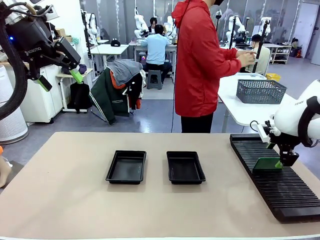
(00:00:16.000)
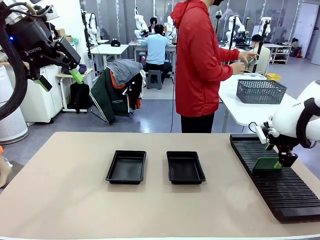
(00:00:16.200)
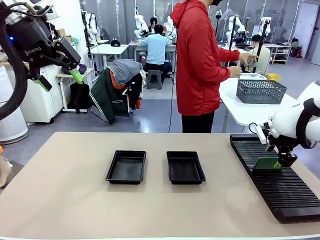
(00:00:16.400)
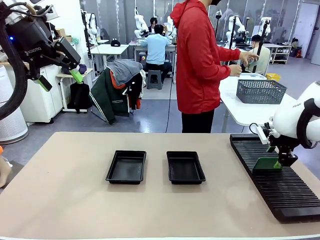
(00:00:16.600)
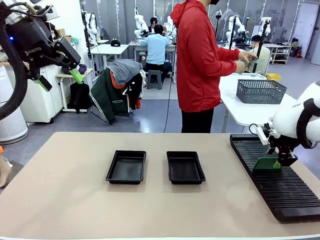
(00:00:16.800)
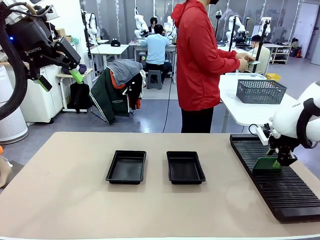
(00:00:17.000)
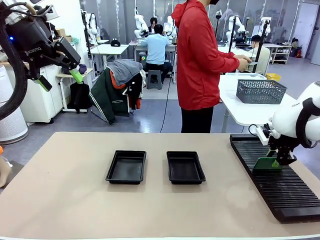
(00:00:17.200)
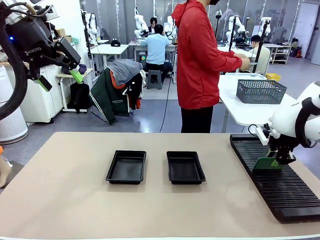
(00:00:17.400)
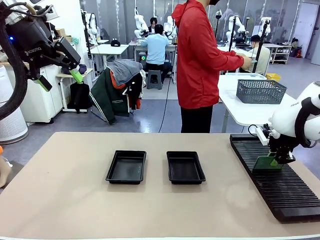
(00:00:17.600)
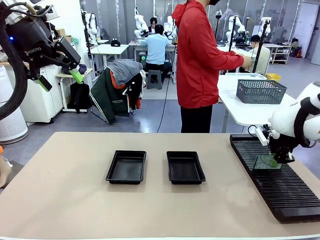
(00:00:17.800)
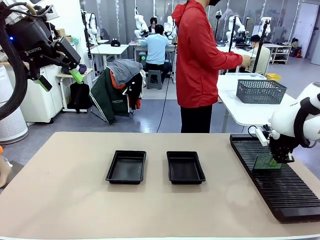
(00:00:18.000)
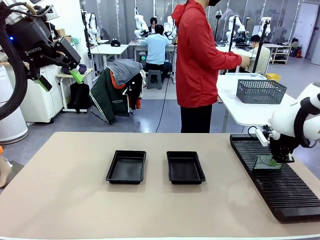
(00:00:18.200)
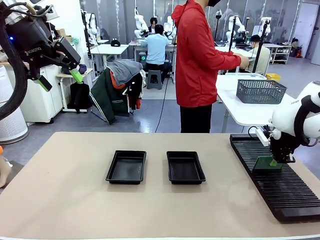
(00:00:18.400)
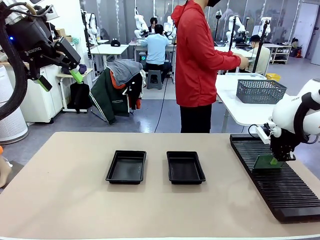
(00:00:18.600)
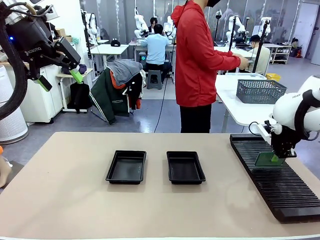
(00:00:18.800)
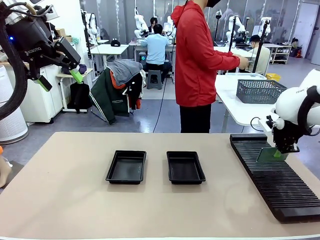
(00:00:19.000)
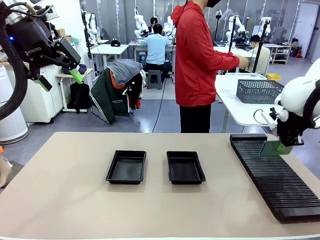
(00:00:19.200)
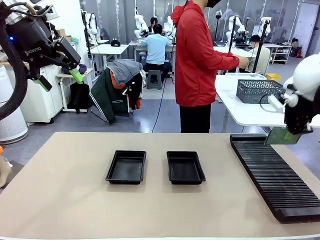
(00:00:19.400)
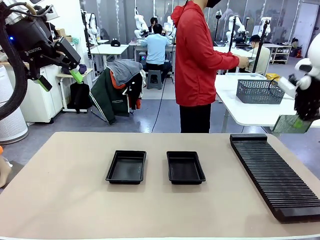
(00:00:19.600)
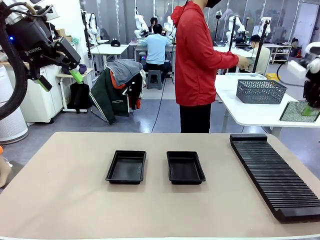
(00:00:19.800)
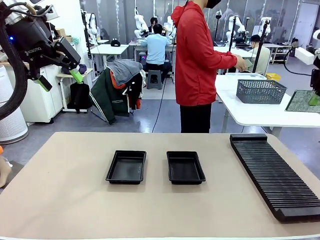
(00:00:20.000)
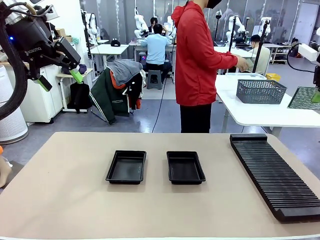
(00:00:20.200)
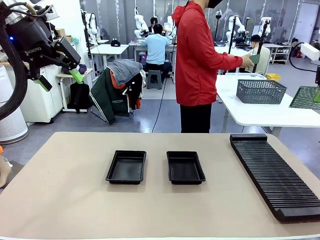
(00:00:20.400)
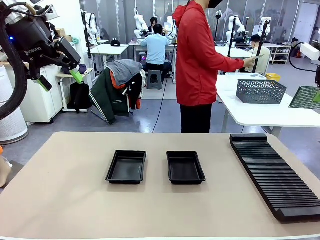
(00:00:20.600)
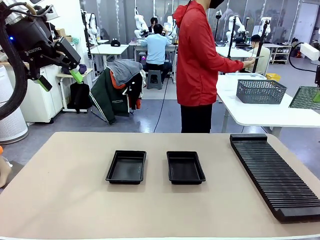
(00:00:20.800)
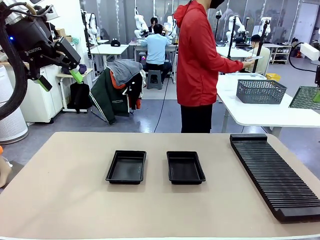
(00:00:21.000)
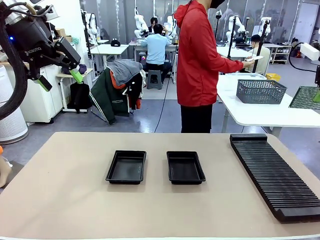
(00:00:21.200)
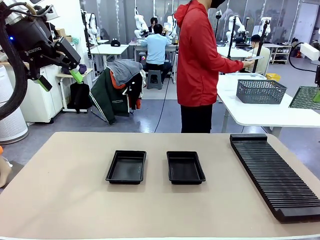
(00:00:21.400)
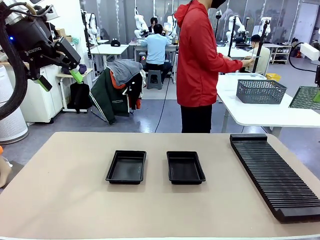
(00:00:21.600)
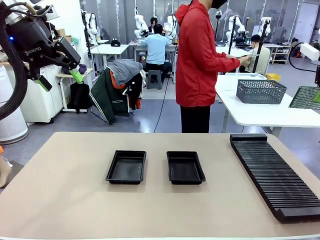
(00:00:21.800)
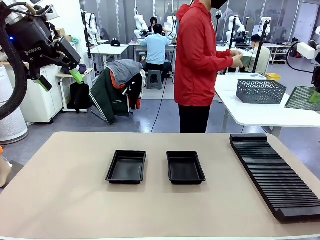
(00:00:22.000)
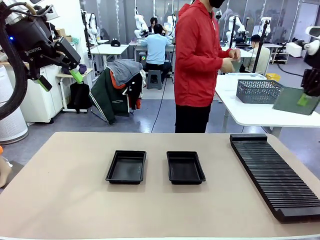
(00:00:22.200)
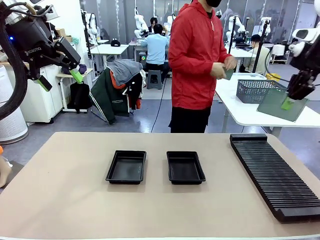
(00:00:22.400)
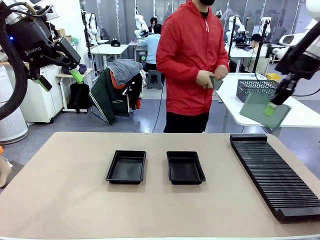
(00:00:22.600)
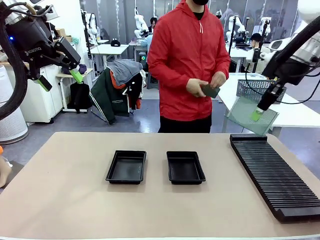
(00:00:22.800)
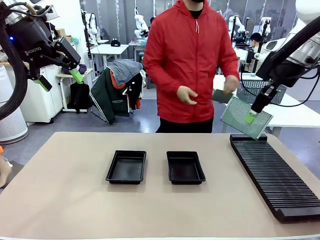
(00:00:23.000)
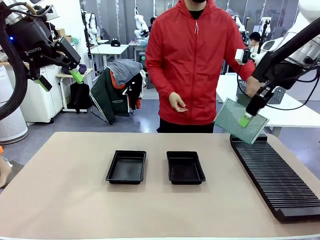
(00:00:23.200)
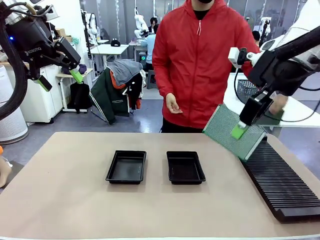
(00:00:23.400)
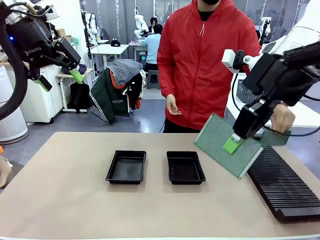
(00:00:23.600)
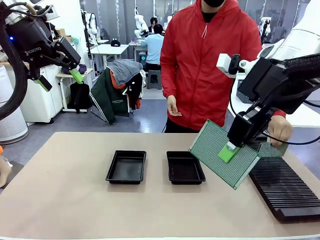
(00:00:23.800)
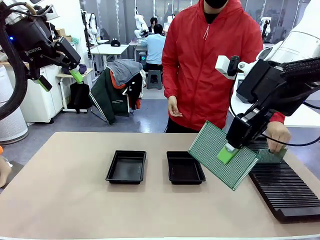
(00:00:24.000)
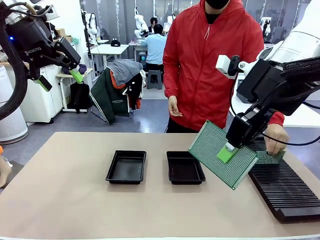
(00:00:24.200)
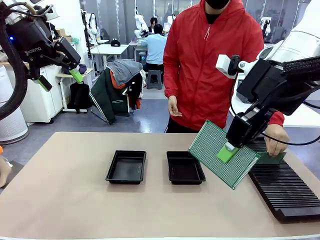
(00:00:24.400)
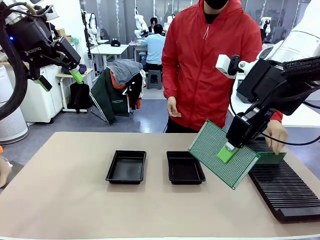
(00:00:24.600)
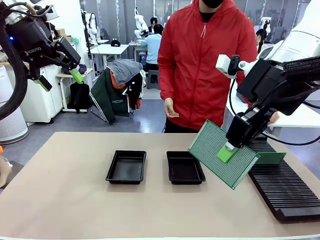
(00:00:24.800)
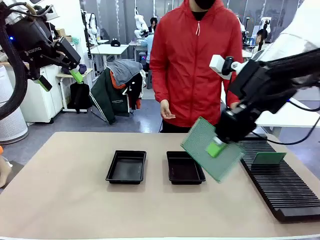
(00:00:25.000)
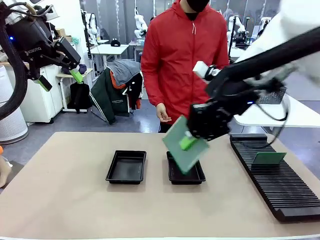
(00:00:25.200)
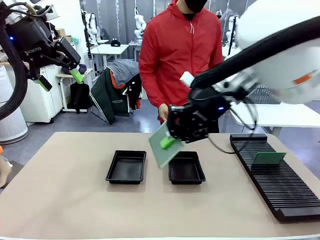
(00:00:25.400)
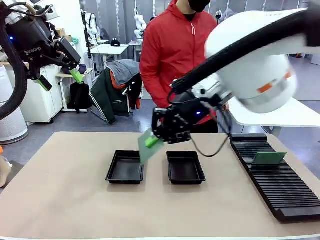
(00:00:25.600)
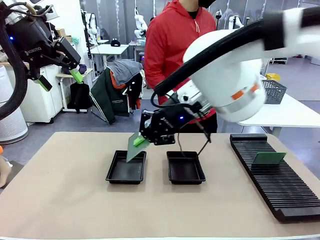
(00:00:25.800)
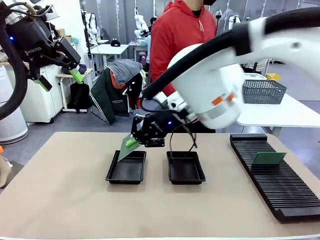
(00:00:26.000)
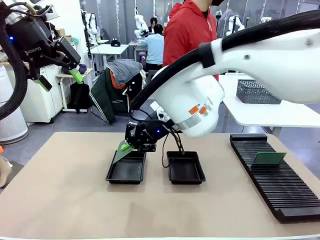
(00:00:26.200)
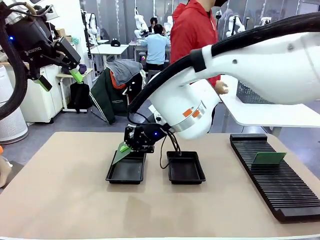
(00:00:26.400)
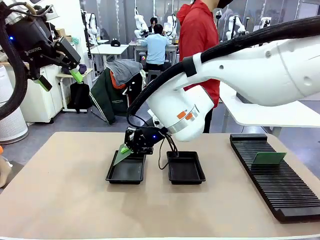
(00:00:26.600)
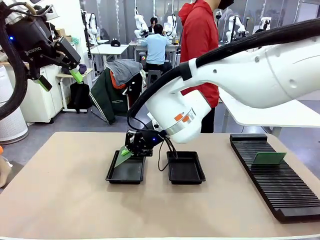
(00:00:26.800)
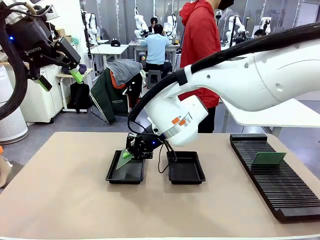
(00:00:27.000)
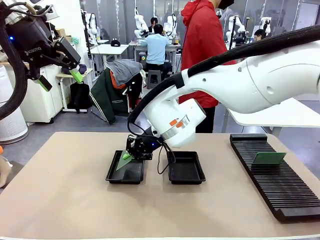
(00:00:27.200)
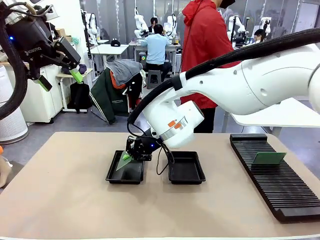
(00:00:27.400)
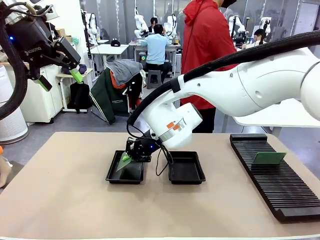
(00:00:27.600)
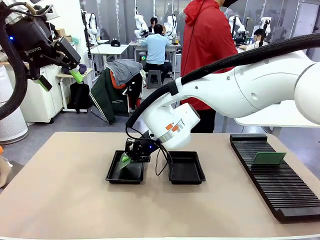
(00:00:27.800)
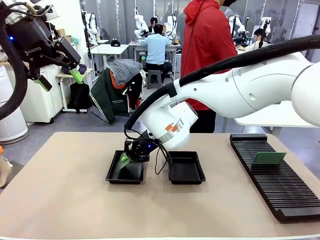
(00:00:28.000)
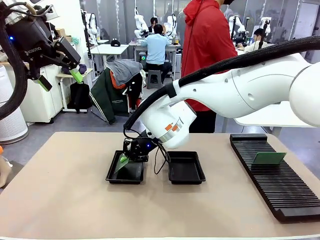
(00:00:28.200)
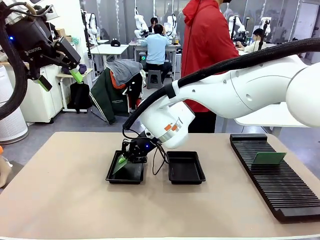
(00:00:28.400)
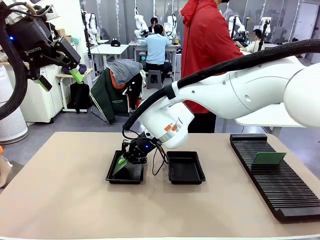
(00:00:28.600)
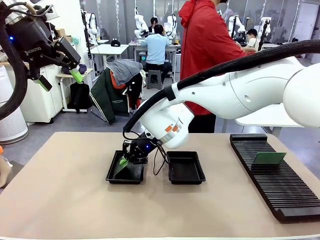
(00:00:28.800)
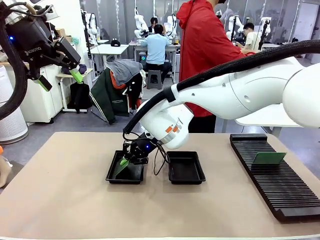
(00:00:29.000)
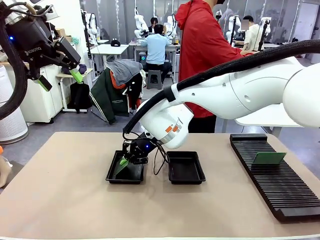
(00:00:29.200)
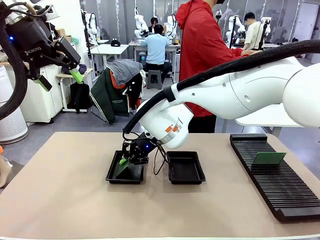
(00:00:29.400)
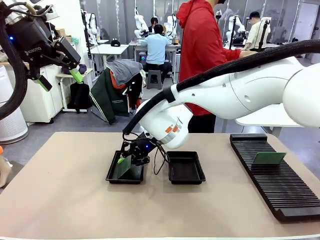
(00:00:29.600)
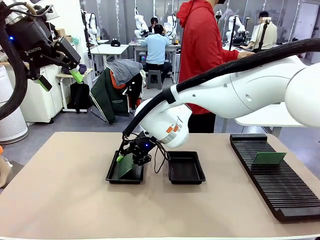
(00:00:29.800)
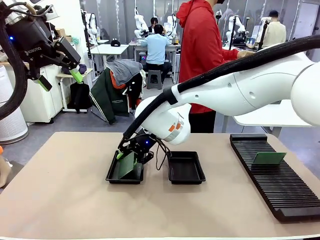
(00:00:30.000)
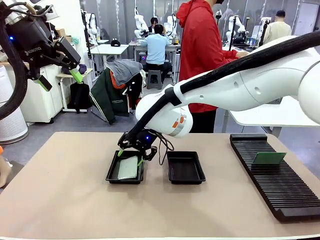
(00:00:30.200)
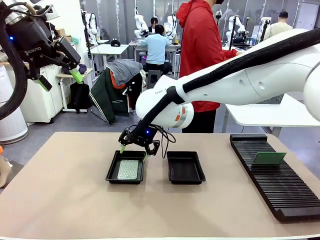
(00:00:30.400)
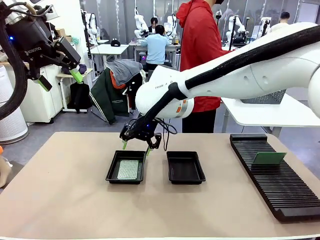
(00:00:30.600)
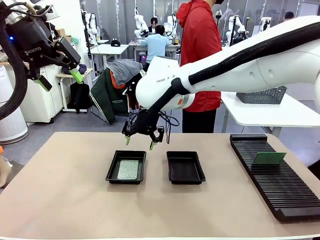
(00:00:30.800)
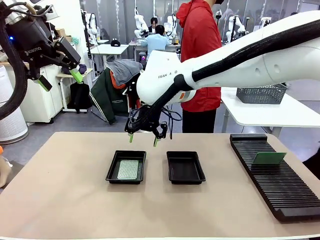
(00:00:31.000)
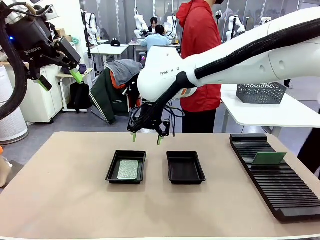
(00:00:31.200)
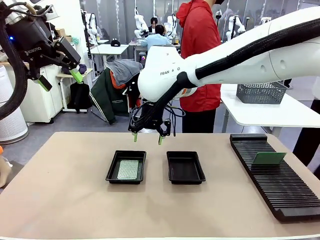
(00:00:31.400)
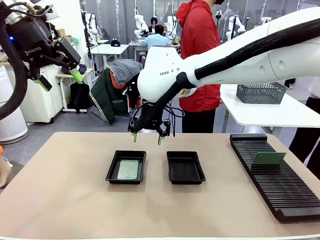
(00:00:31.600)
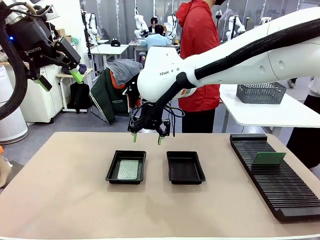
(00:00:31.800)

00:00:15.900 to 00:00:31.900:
Task: Inspect and transfer BCBs to ESD trays.
Robot: Pick up the Blank PCB from the PCB Rack and place it in the left ESD tray.
